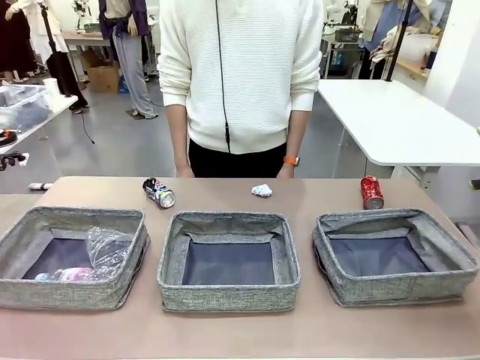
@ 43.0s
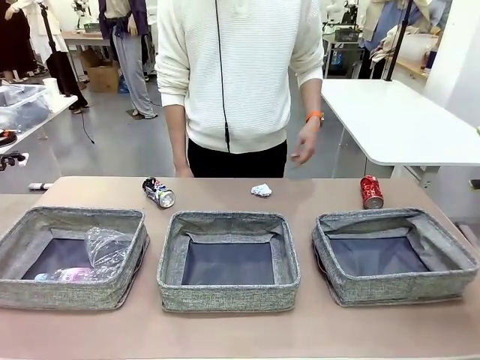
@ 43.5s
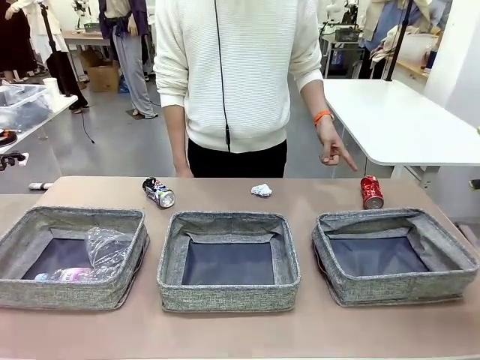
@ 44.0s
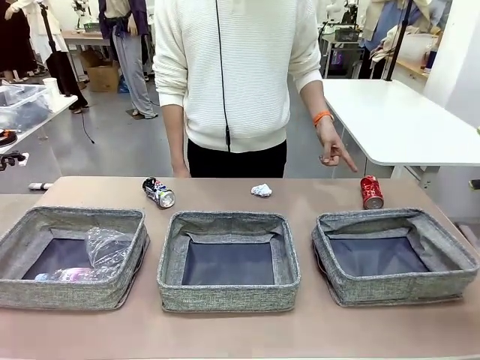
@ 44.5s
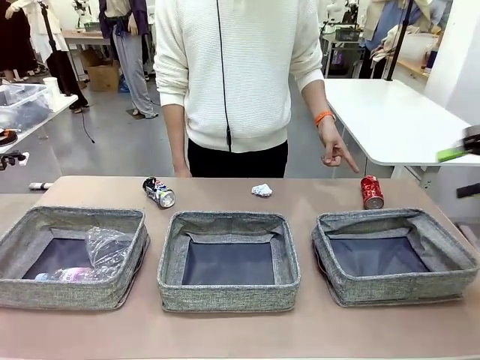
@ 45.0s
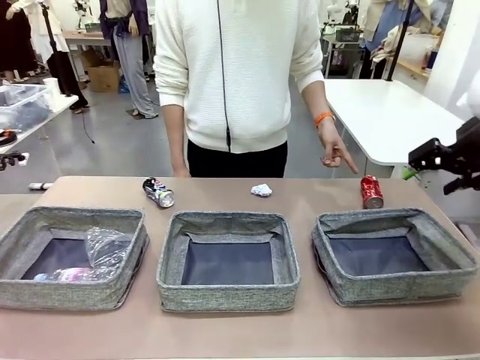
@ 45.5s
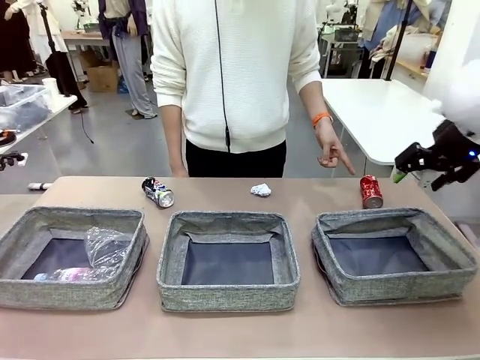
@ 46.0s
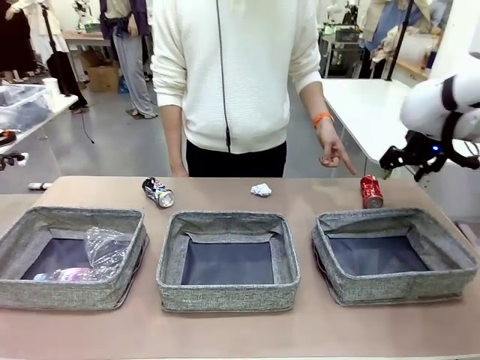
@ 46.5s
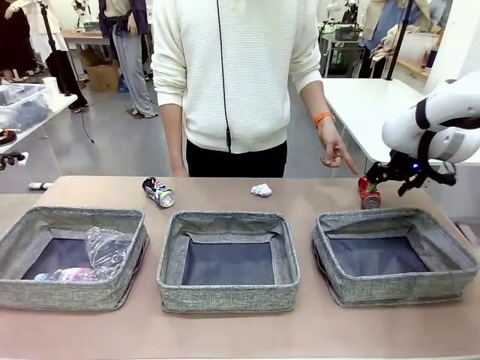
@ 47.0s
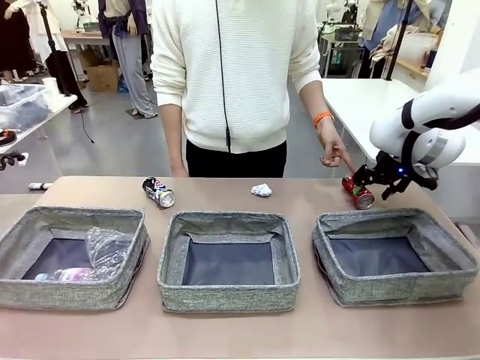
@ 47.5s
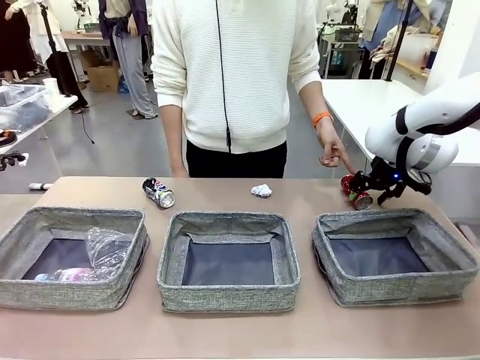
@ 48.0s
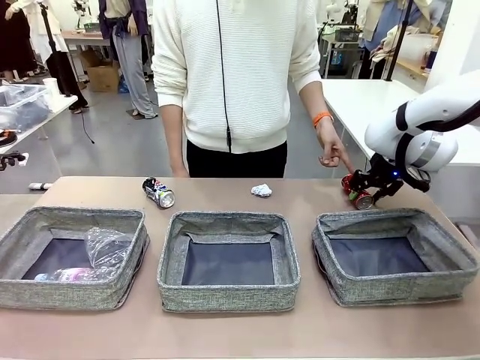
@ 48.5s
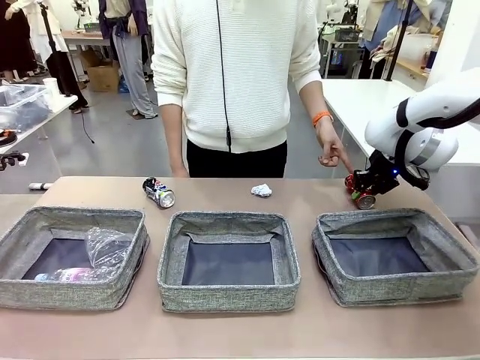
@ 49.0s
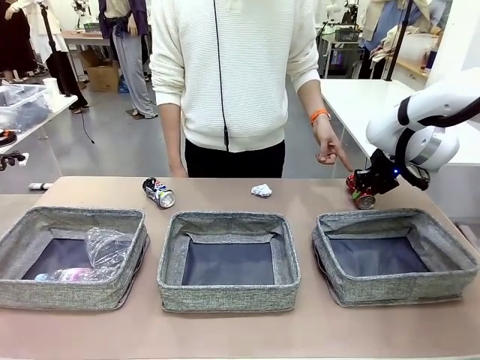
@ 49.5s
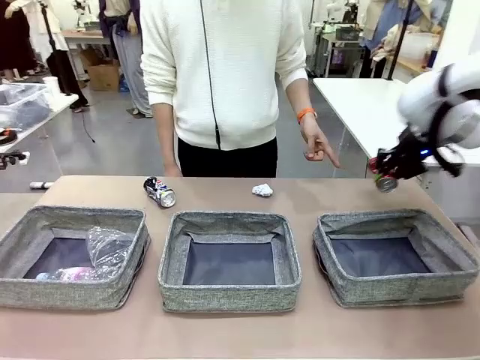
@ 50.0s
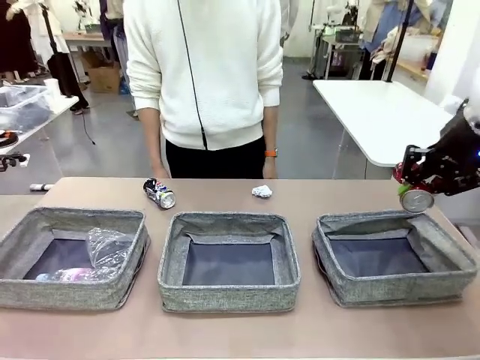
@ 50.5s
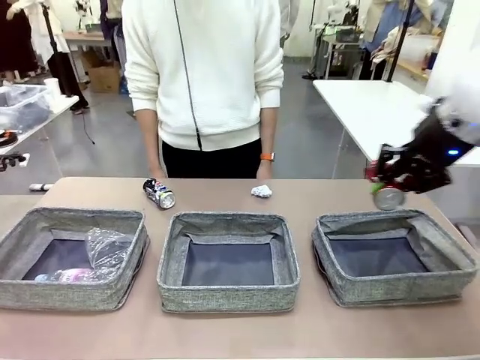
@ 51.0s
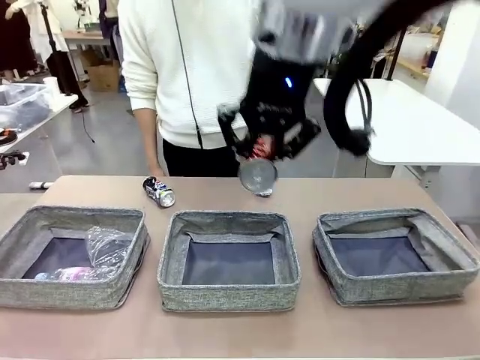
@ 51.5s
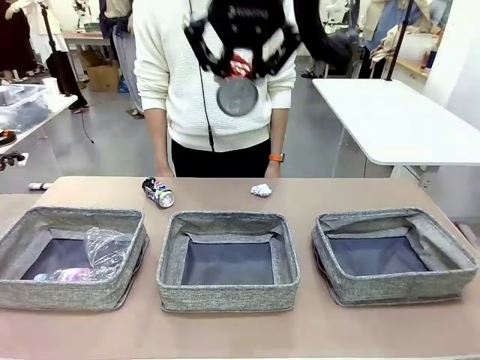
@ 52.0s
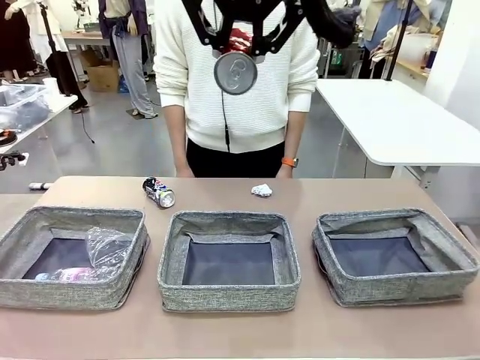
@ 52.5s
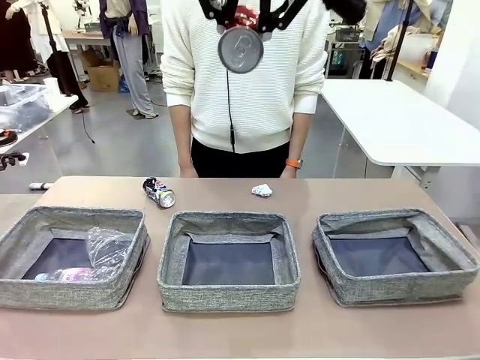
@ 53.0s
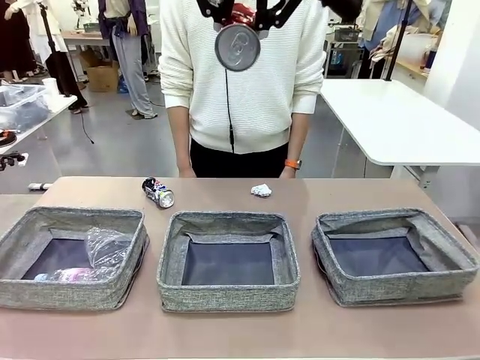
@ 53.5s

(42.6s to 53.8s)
Task: Sort the waste into the appropriate baskets.
Robot: Pick up the waste item pointed out by the person.
Person: Points to one piece of trash on the table.

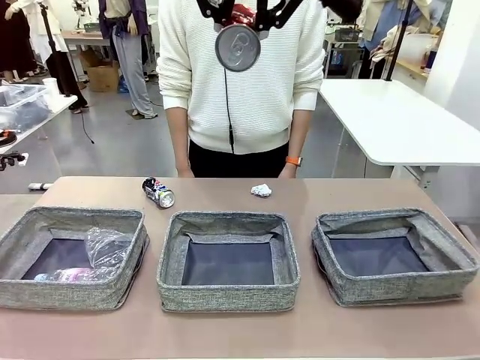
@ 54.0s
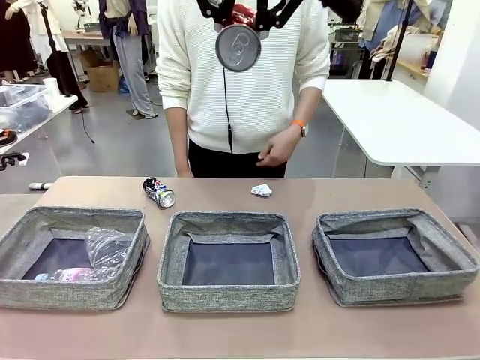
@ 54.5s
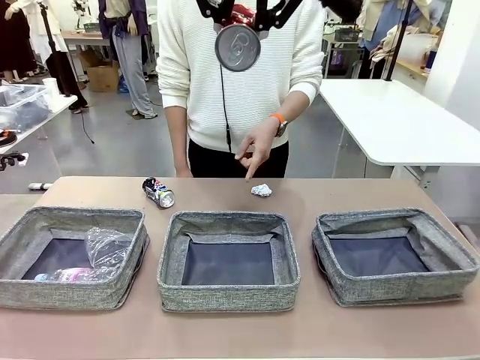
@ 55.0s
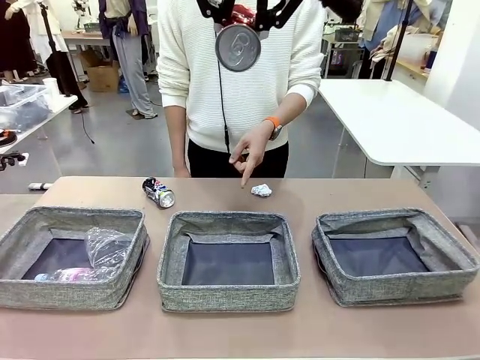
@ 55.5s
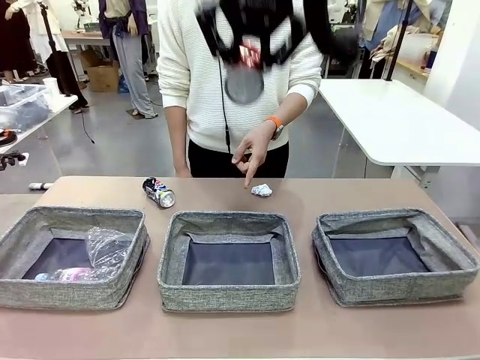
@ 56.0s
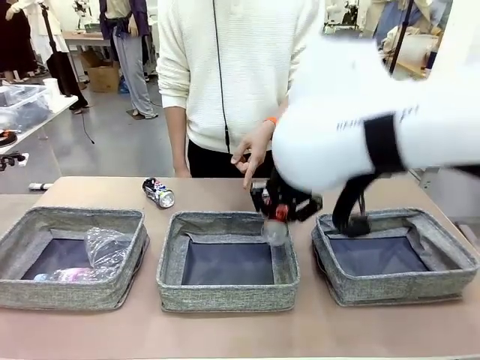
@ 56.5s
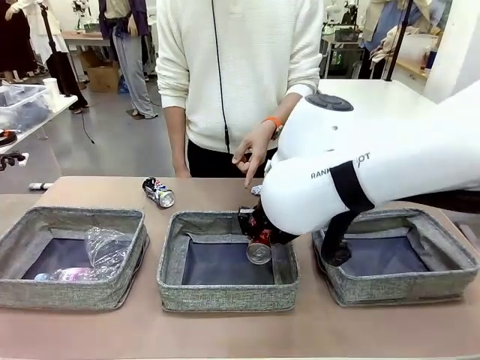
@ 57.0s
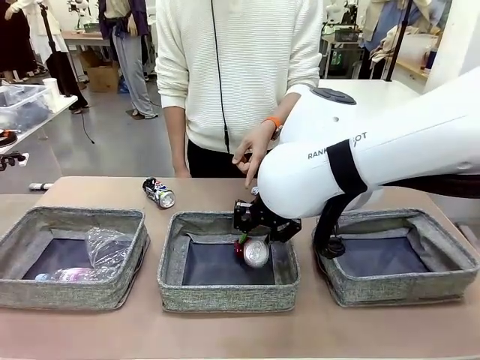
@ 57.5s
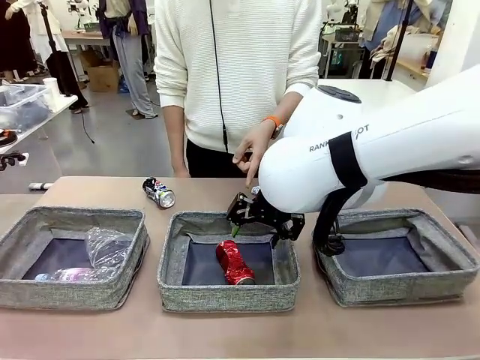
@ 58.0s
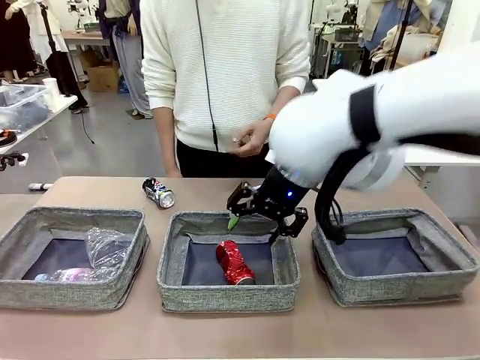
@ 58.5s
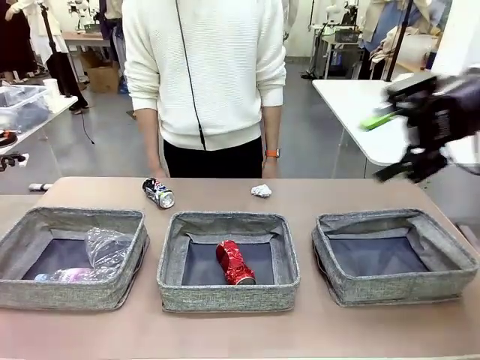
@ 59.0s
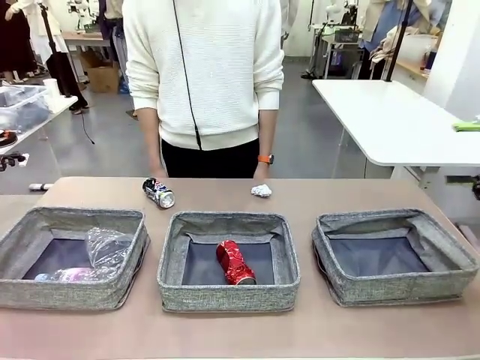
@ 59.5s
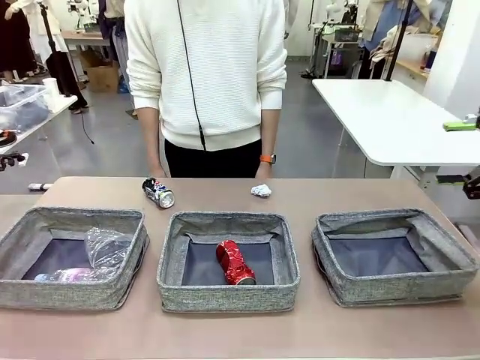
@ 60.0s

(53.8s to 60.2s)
Robot: Place the picked waste into the Fabric basket indicated by the person.
Person: Instructs the robot to place the picked-up trash into the appropriate organizing basket.

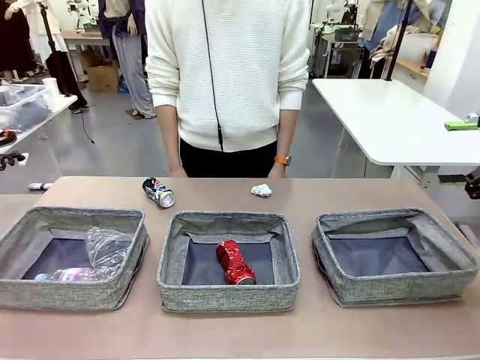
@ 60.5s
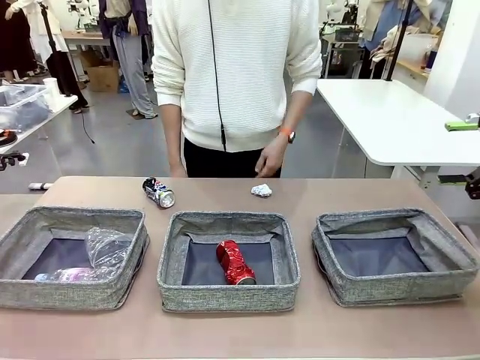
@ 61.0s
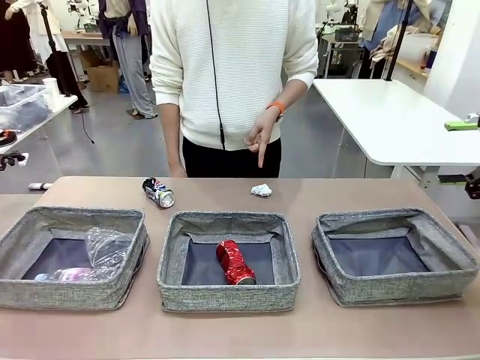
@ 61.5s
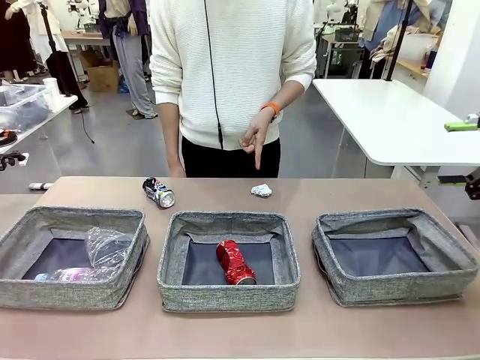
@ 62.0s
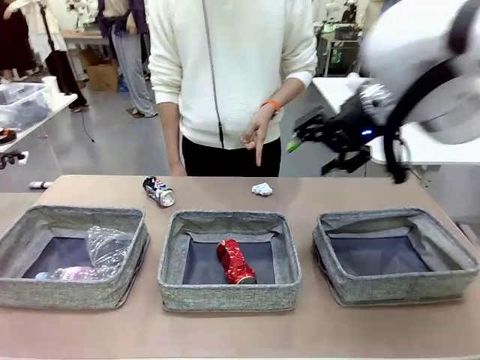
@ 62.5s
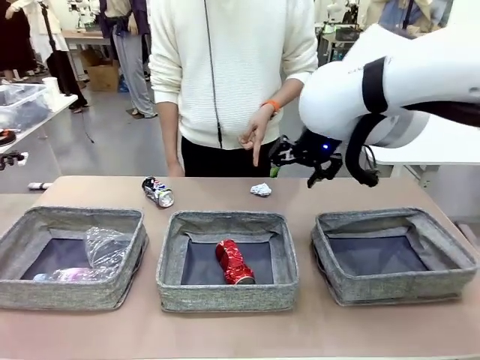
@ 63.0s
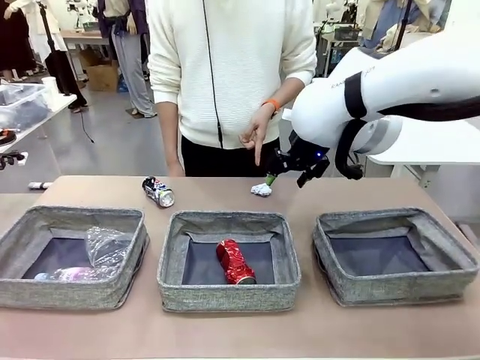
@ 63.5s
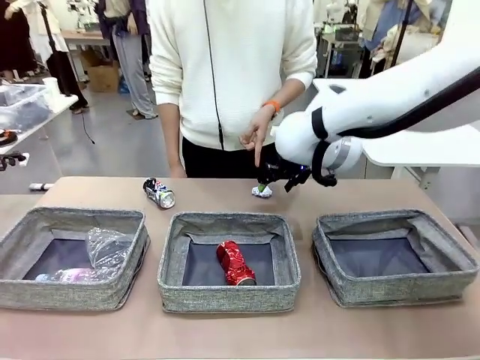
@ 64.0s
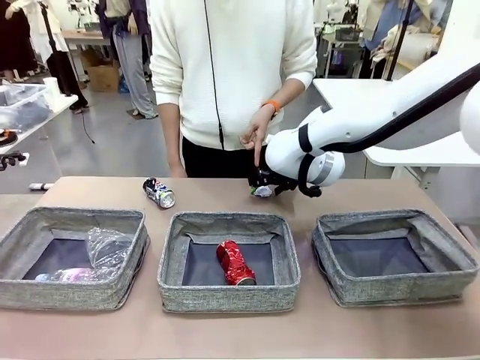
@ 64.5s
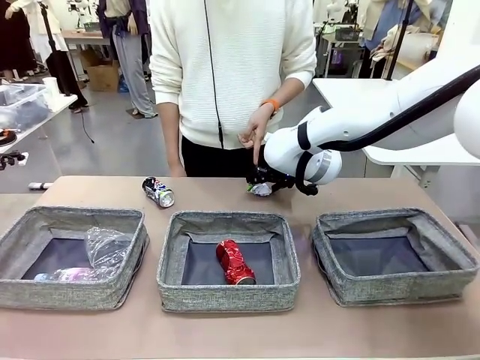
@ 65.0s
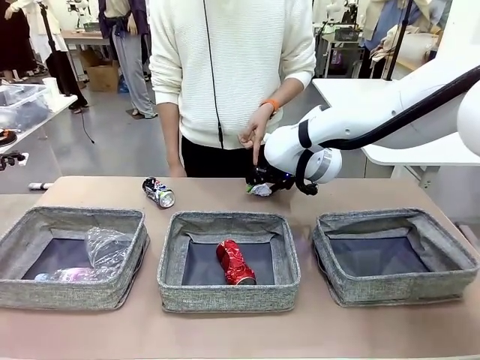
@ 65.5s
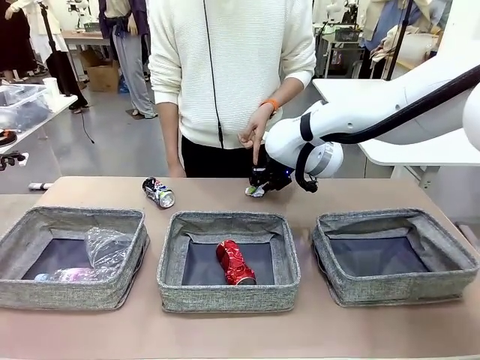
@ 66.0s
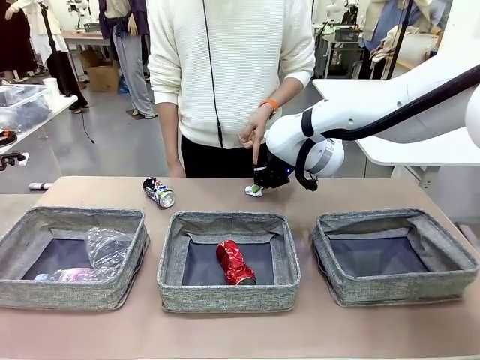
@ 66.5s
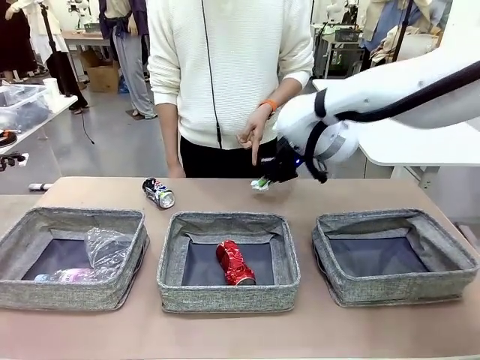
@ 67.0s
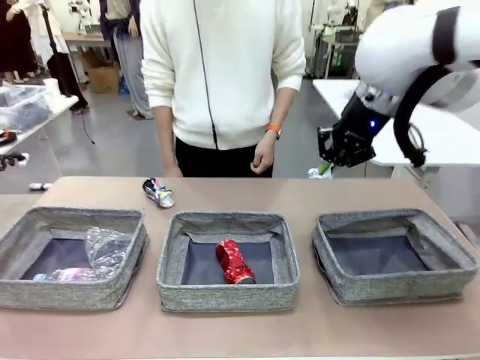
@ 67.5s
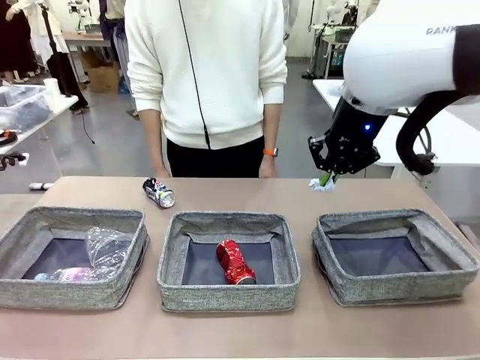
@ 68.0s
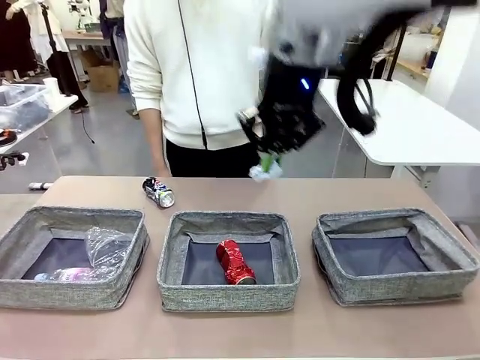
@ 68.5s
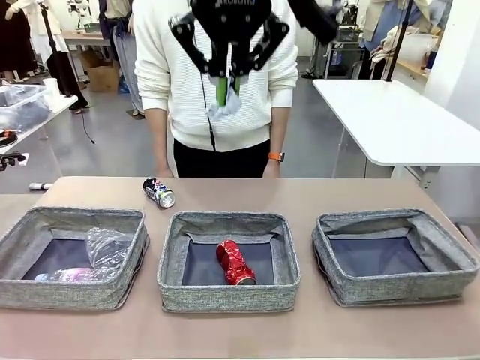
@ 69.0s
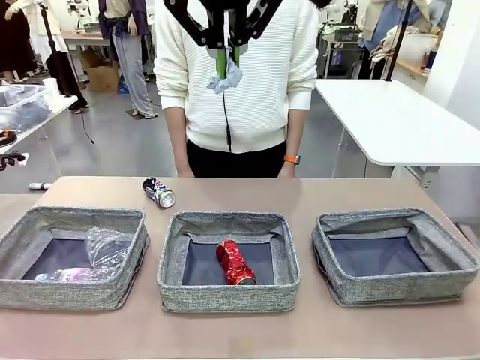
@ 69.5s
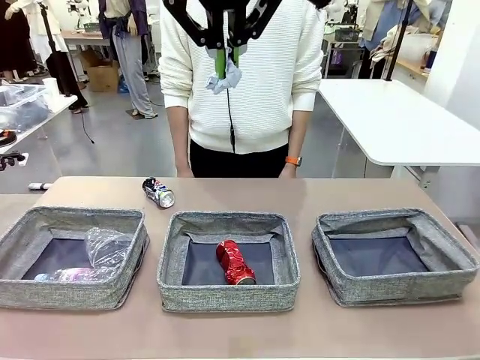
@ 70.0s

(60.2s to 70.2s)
Robot: Pick up the waste item pointed out by the person.
Person: Points to one piece of trash on the table.
